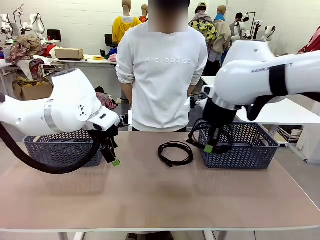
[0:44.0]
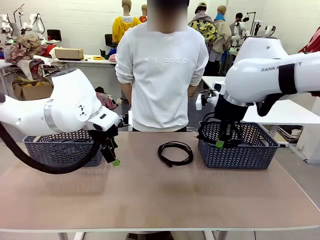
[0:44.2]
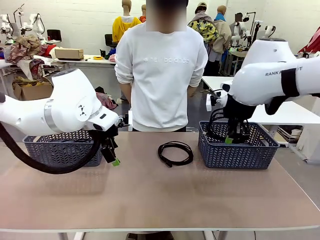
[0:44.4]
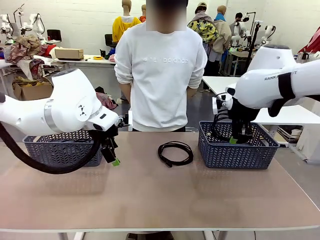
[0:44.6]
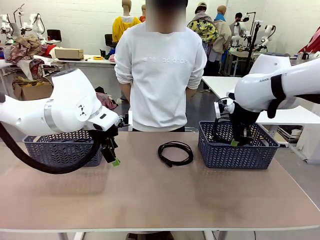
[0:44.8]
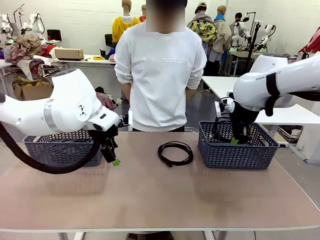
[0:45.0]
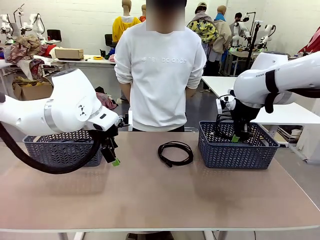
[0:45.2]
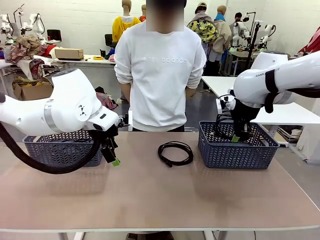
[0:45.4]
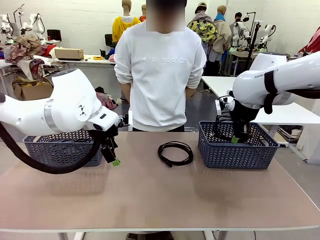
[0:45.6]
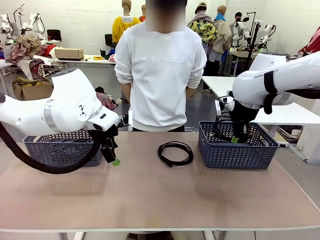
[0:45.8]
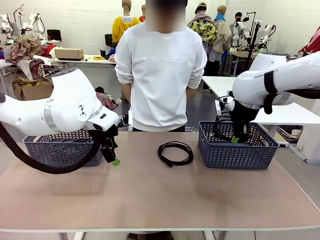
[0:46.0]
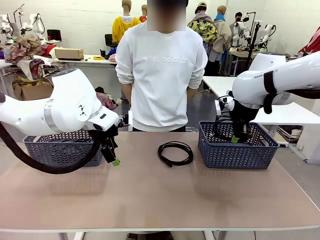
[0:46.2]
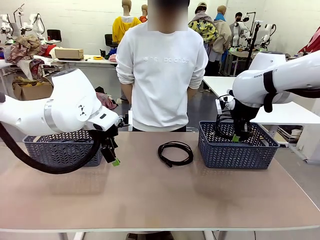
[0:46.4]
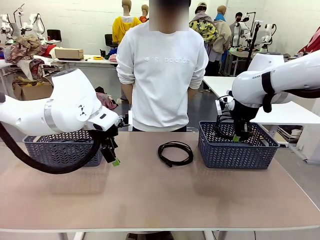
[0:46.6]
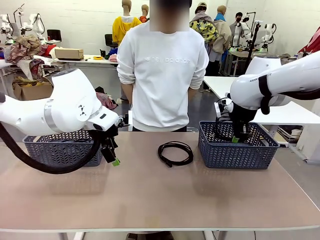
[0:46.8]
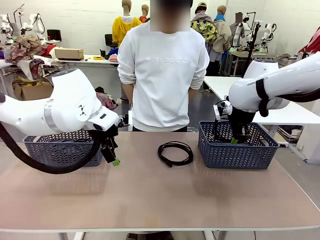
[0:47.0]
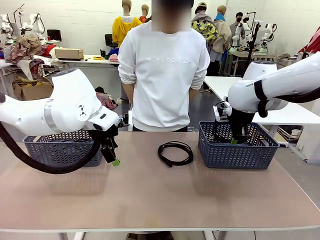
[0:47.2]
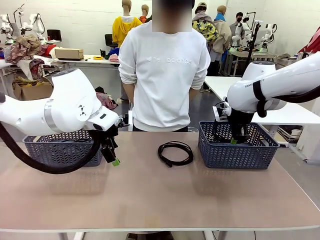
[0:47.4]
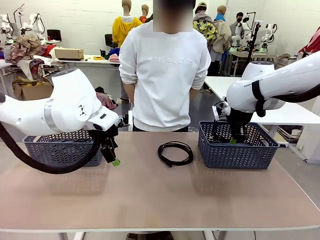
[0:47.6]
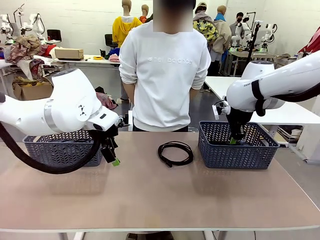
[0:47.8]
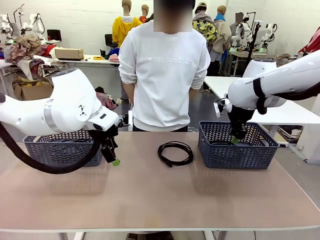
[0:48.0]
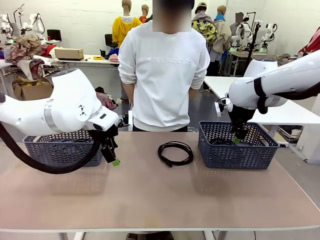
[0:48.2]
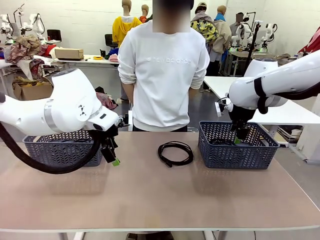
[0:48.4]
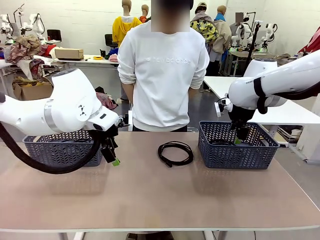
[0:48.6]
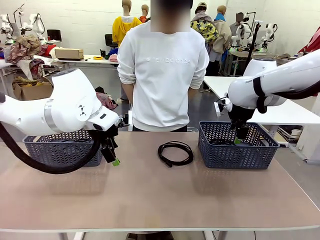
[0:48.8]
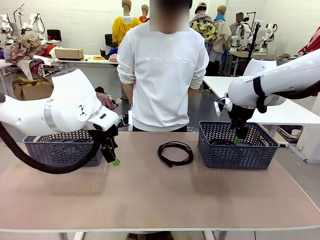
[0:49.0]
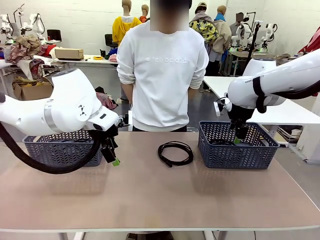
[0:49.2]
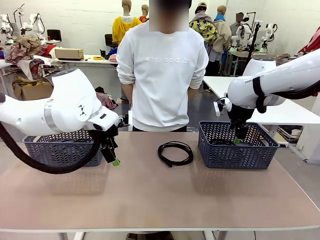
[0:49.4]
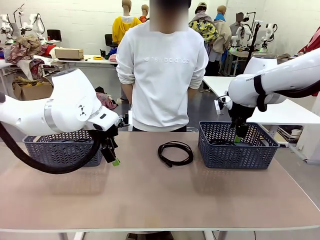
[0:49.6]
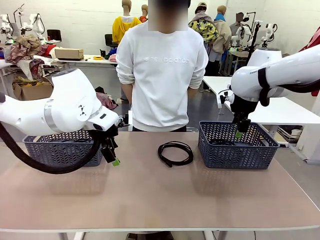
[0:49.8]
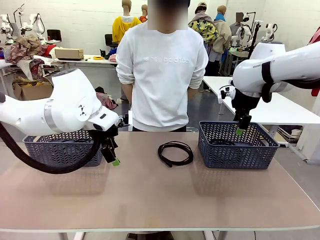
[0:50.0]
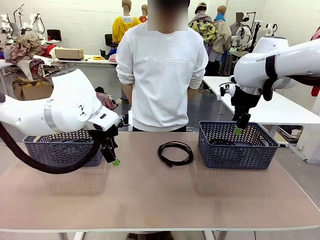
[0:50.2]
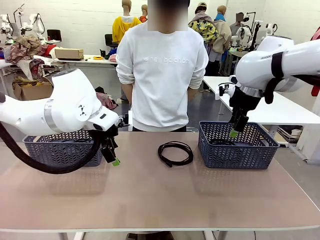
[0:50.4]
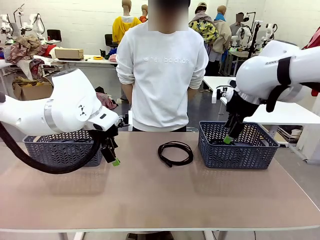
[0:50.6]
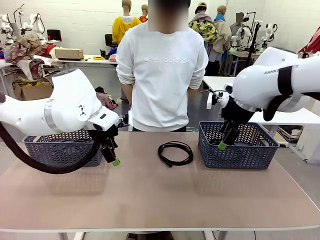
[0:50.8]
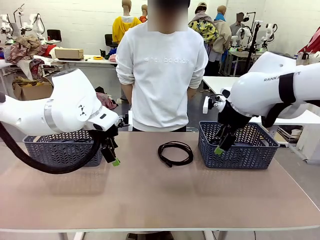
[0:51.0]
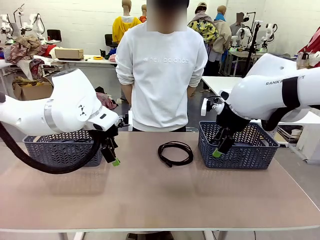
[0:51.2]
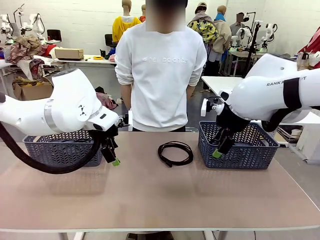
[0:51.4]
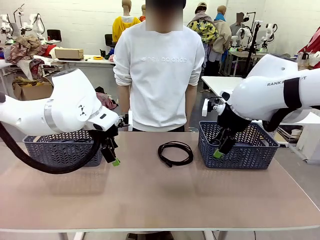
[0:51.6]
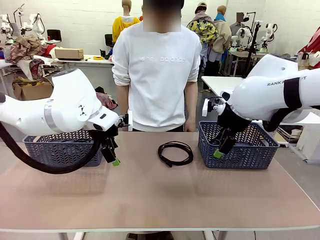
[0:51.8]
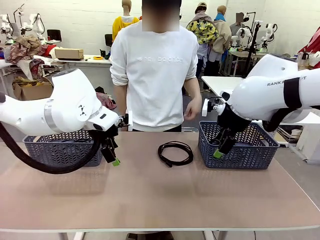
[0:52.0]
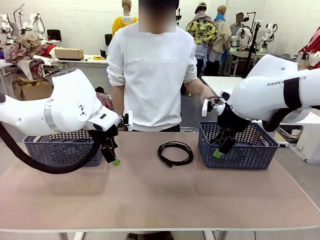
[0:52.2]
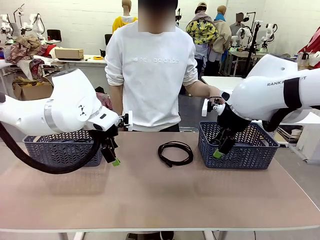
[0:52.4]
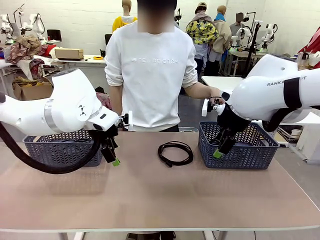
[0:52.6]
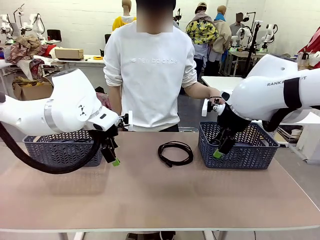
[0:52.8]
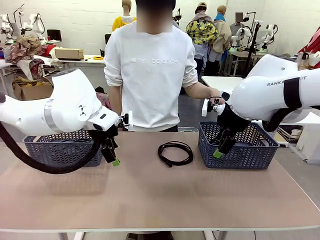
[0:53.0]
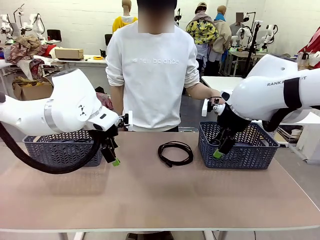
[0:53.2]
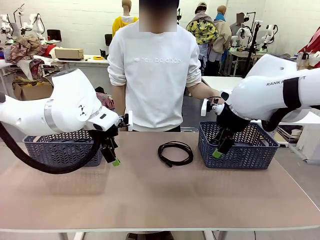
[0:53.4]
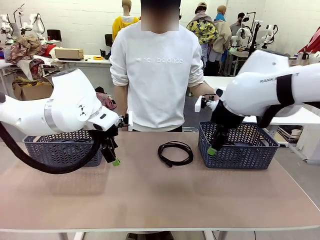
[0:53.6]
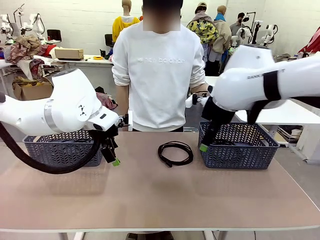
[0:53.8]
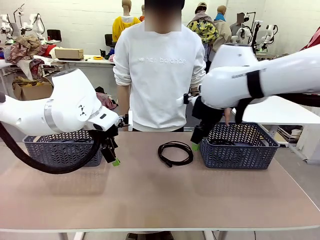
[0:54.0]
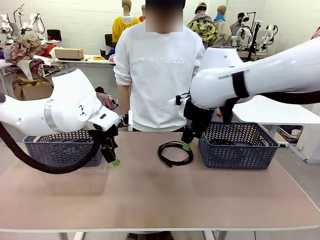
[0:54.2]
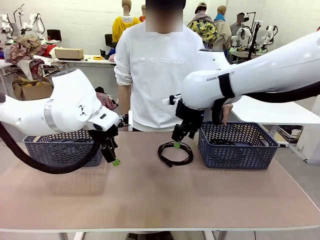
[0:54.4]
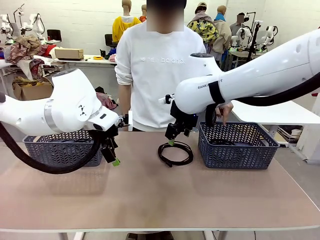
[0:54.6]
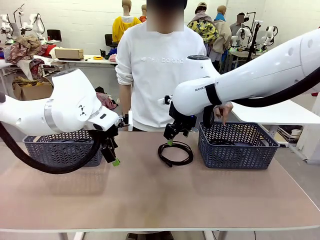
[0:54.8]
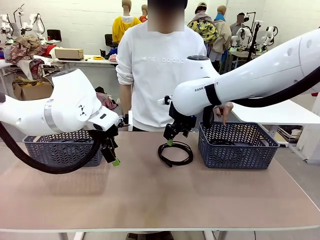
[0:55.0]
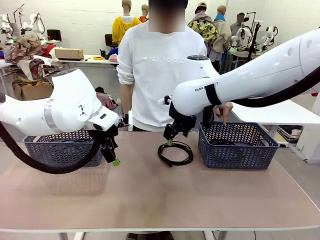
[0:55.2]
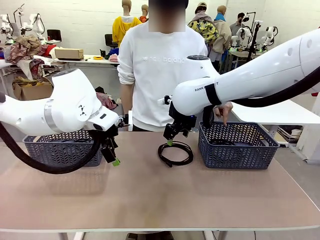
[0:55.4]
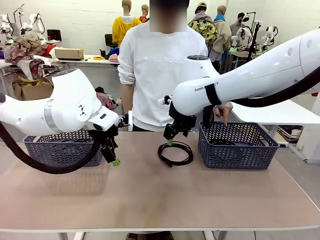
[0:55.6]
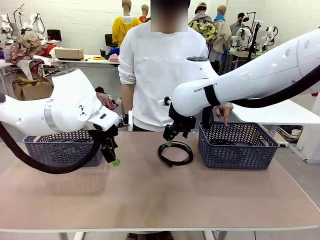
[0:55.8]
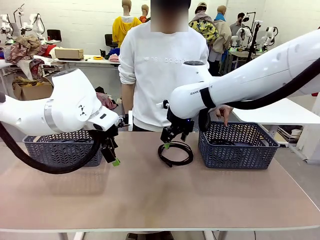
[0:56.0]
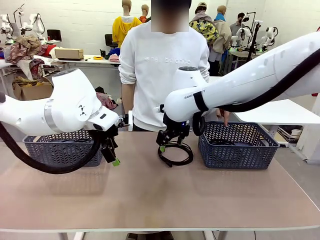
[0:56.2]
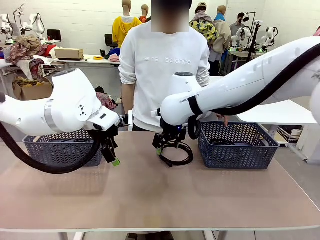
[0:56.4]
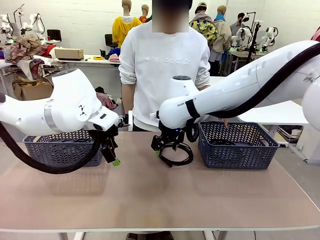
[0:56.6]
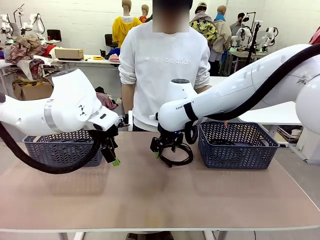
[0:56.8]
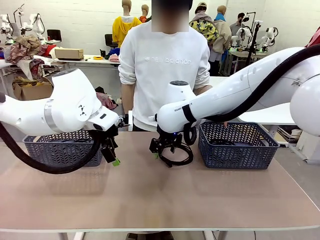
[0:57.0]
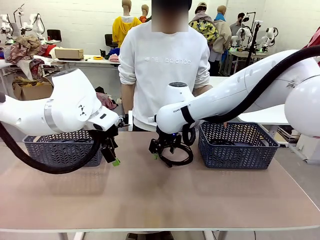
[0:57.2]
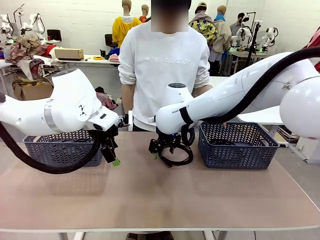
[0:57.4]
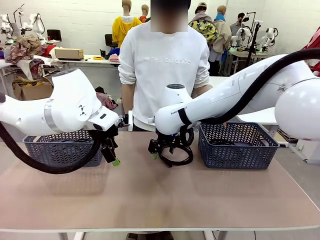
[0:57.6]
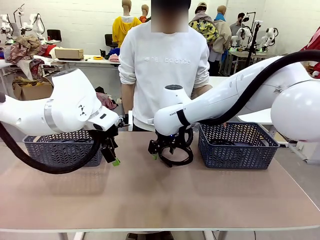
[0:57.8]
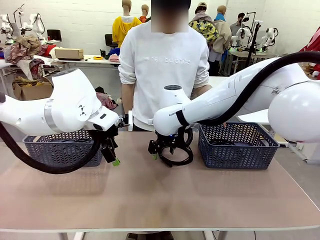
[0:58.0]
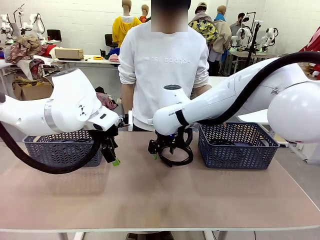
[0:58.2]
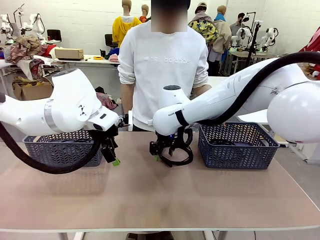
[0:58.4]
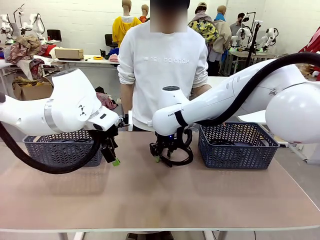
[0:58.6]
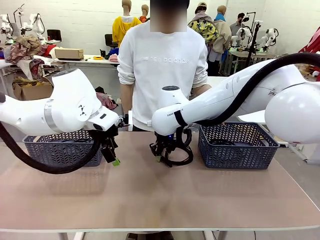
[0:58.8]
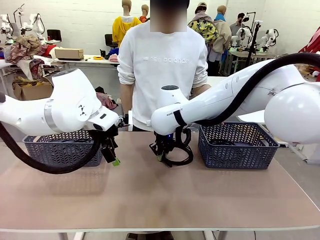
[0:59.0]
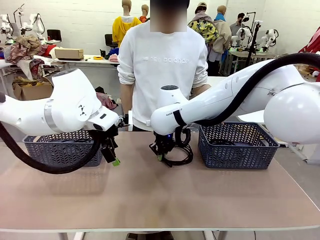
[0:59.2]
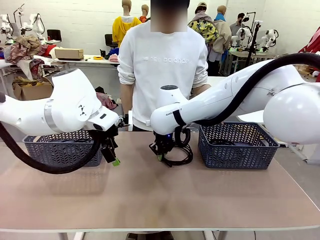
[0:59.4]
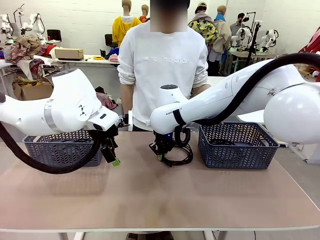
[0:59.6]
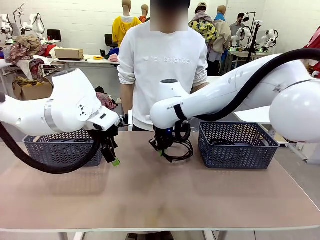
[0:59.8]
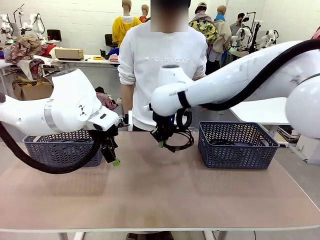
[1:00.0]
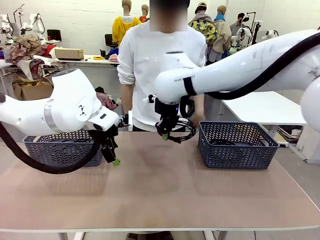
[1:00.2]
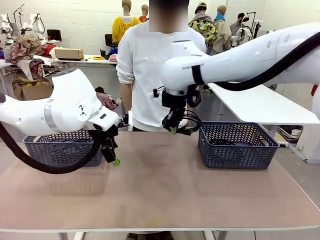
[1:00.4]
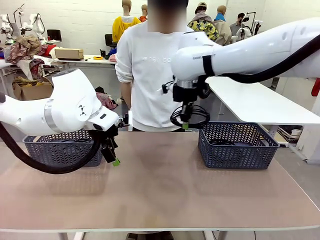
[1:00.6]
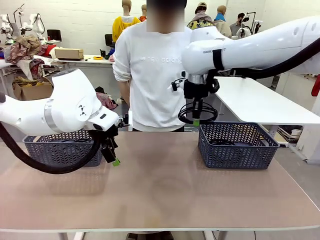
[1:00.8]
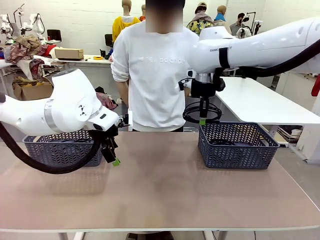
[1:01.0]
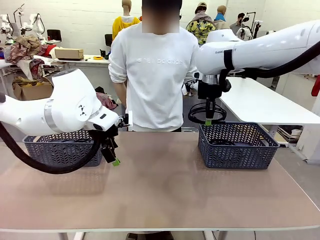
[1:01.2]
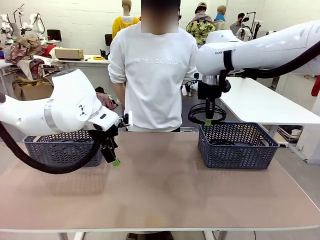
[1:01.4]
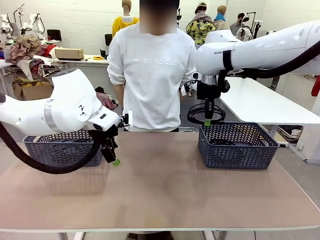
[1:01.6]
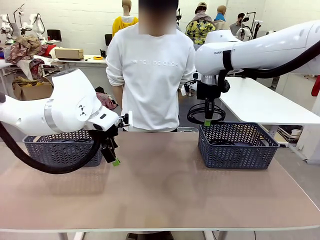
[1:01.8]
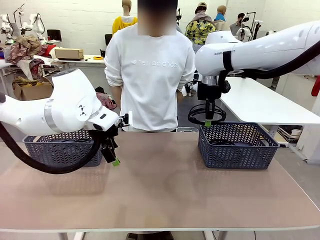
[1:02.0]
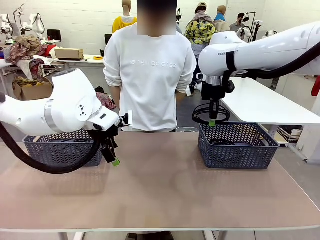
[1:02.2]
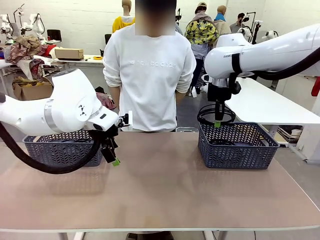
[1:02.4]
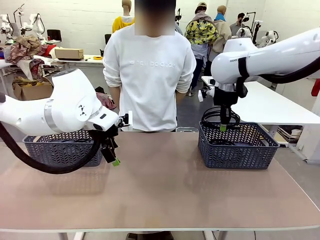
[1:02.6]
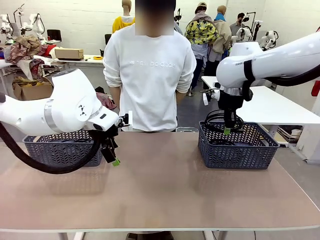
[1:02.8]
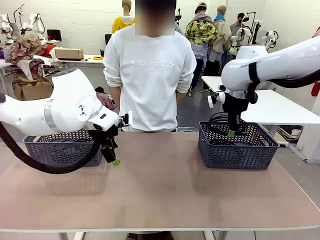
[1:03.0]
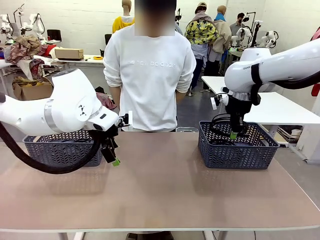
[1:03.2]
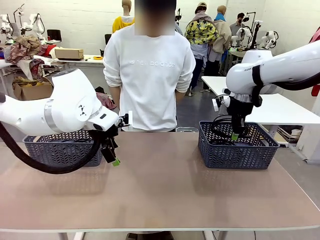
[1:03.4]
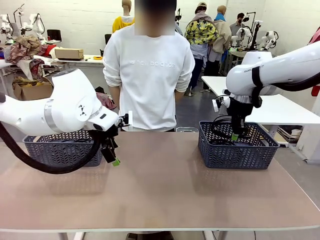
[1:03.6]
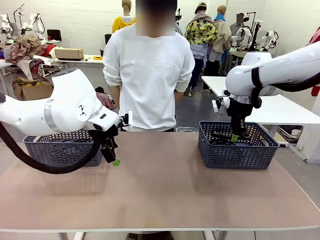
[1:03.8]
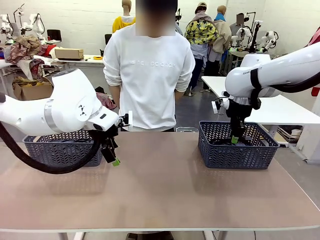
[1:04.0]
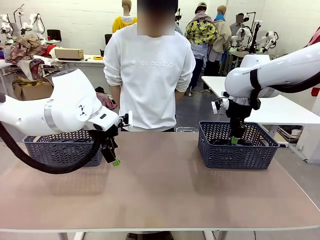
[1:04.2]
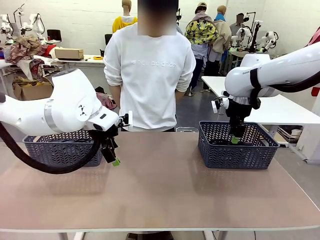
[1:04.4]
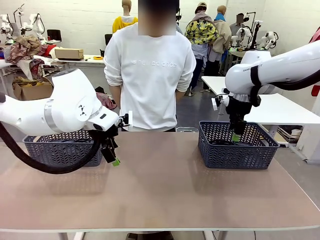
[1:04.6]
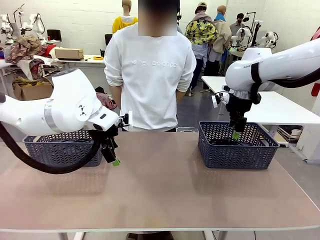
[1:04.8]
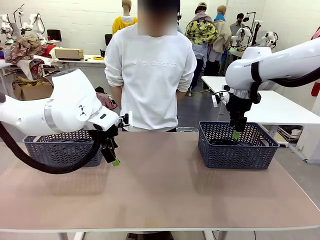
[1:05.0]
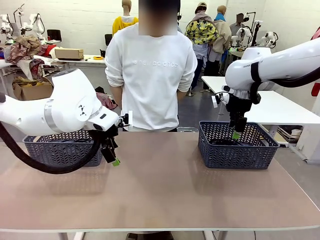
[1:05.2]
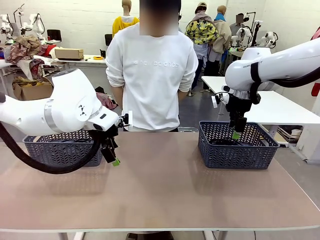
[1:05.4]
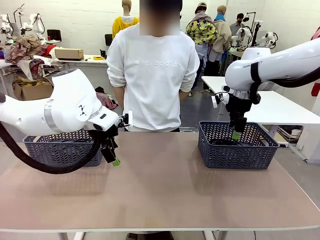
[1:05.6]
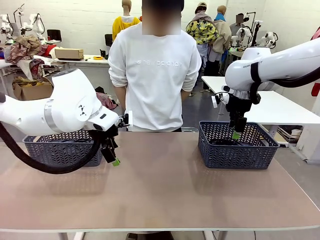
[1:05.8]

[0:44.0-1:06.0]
Task: Organize the cables according to human instructions.
Robot: Pick up a bundle of cables and place it in the basket indicated by the human.
